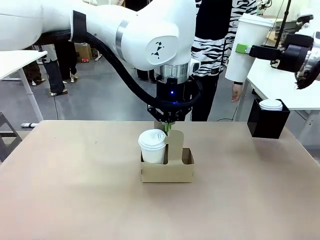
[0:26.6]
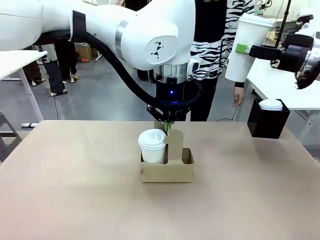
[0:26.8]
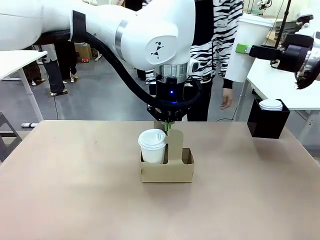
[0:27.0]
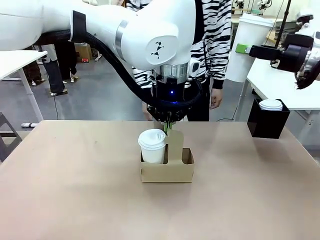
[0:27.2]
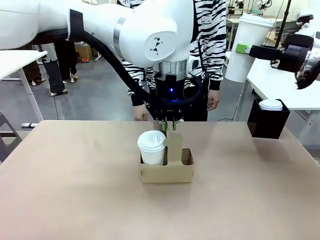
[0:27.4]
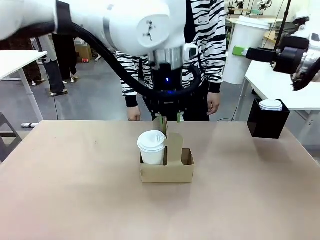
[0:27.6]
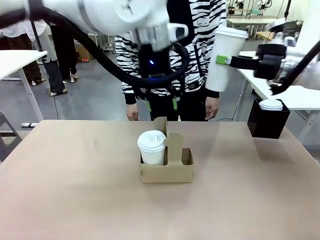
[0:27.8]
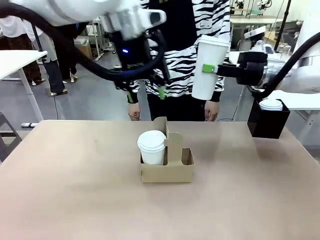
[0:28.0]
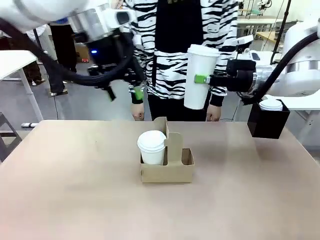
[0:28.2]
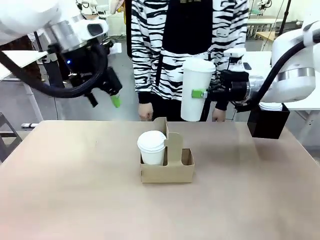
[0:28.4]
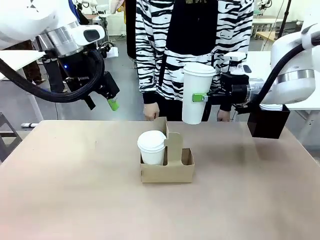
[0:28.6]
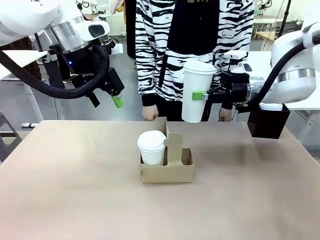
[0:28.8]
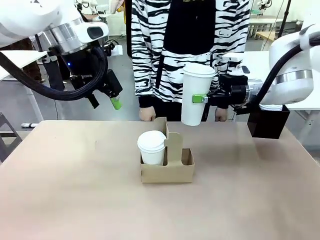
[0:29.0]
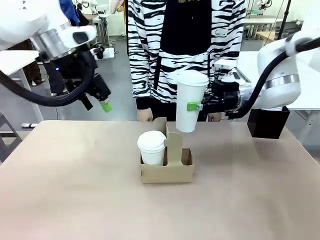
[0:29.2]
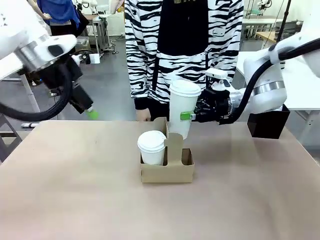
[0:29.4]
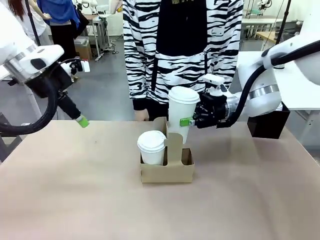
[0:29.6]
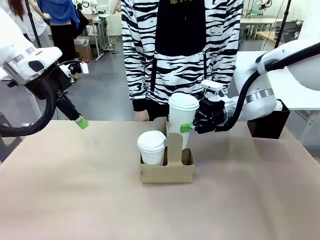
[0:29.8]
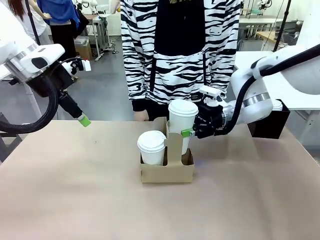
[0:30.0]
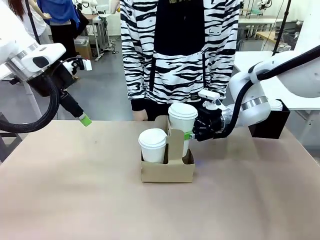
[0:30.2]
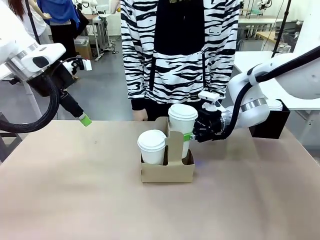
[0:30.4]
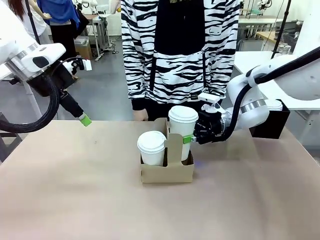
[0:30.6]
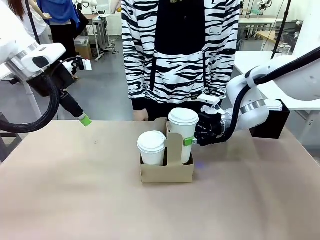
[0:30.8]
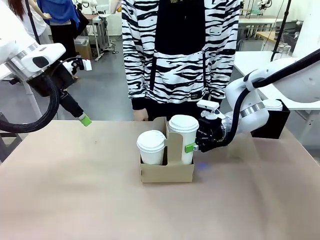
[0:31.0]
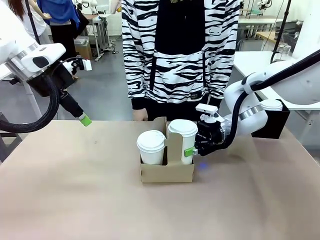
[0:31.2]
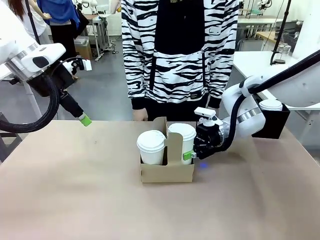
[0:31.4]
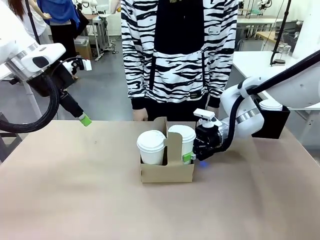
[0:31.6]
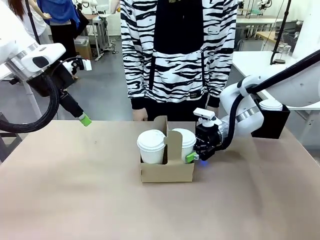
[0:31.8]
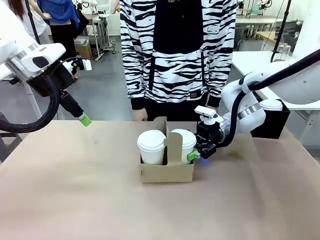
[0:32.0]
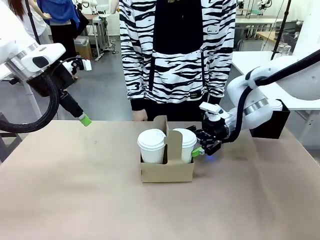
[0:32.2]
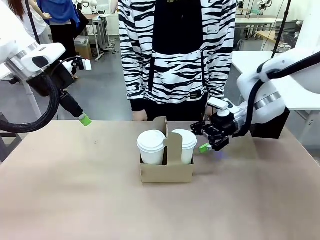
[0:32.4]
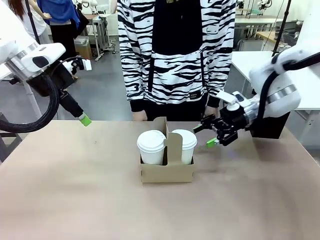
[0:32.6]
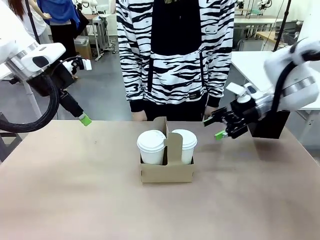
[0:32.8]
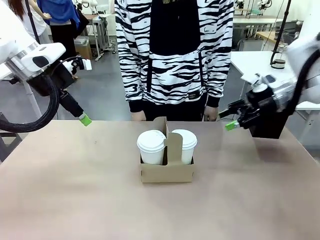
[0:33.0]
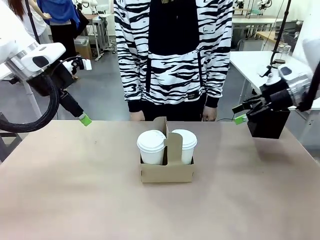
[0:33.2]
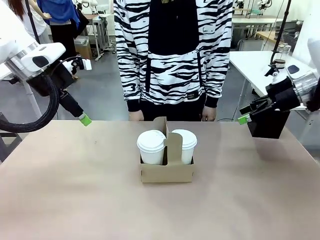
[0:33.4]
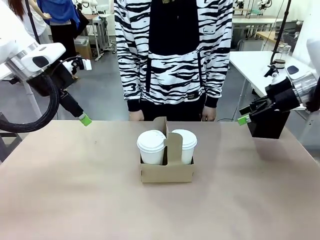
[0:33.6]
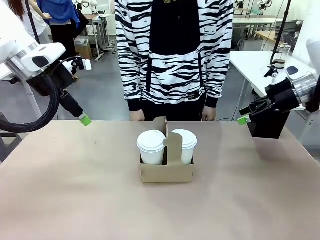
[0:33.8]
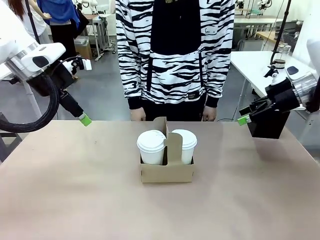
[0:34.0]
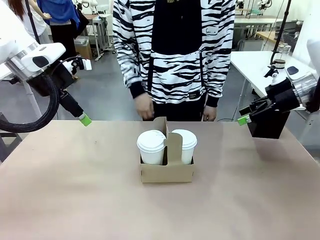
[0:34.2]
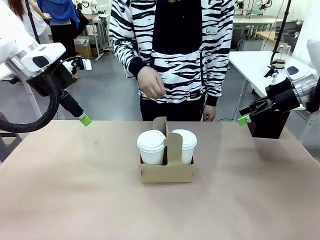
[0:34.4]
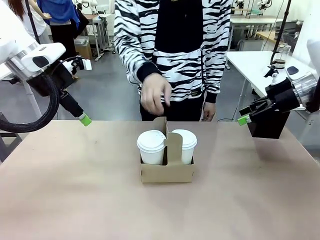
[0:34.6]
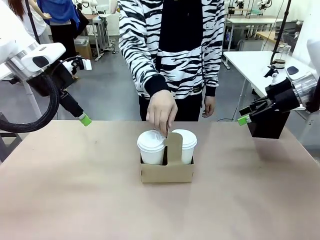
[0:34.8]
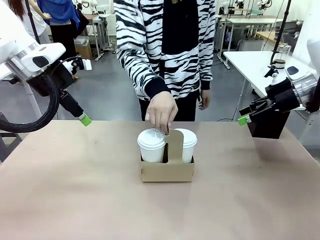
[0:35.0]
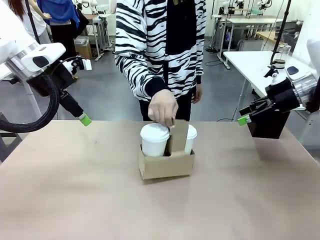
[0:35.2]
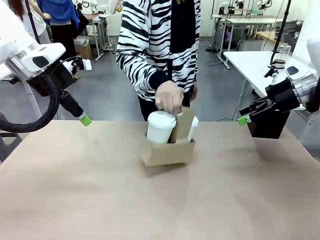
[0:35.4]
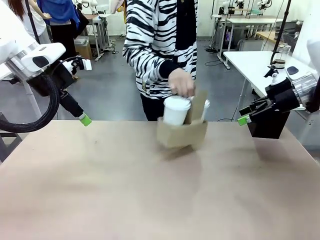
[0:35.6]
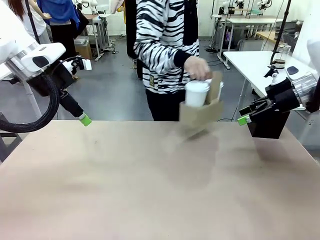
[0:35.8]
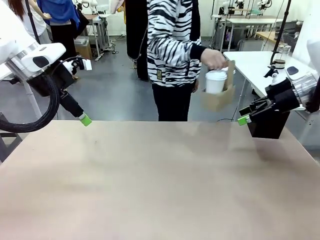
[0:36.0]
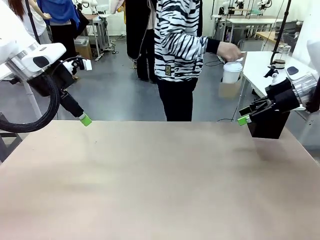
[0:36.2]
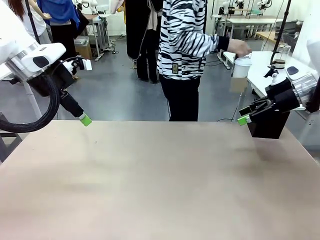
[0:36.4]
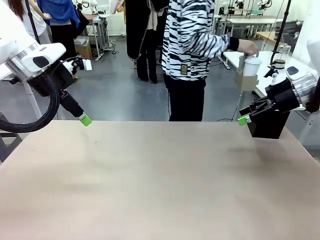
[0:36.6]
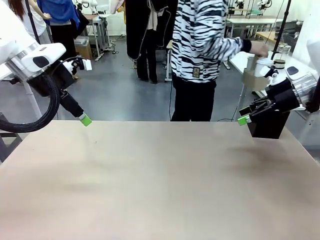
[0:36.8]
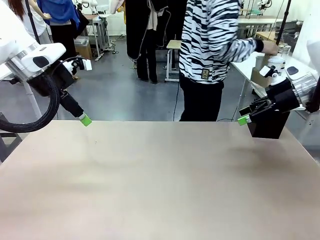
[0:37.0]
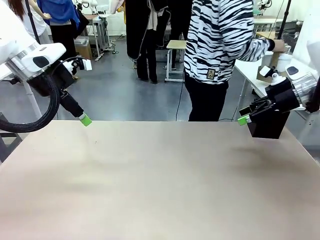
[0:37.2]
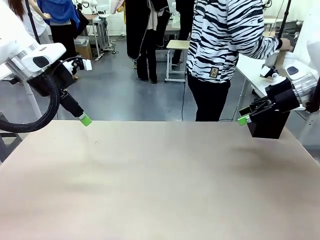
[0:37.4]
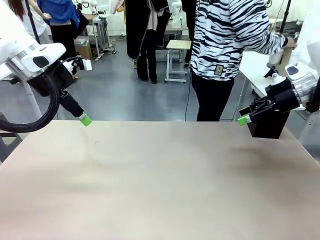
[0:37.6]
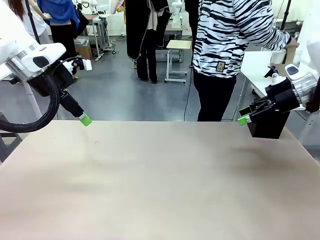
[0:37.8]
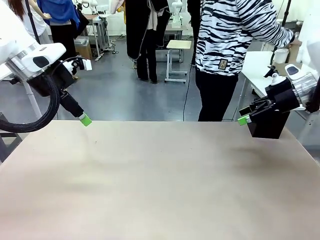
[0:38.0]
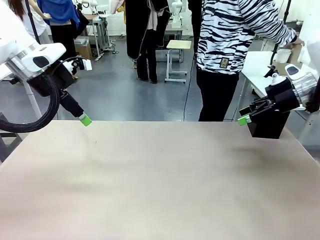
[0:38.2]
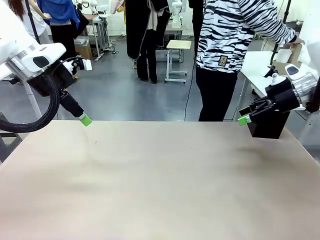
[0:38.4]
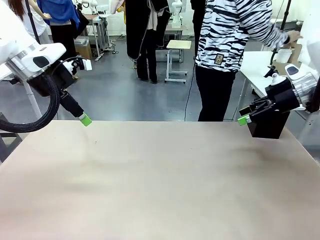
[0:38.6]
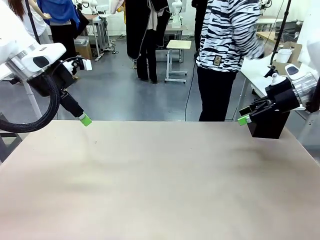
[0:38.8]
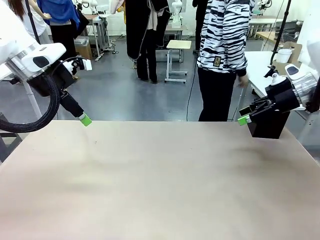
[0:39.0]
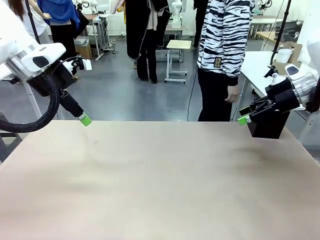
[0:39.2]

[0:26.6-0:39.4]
Task: Pour a drink into a cup and package it in a carrier.
Robot: Insert the held 600 ml Paper Cup into the Cup Carrier.
Person: Place the Cup Carrier to the middle of Human table.

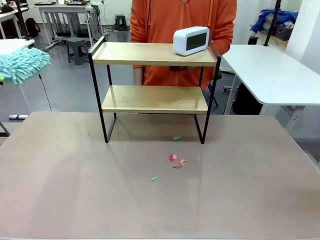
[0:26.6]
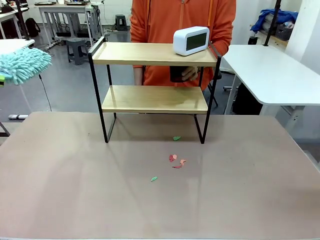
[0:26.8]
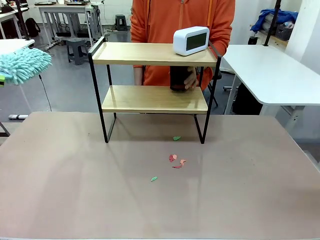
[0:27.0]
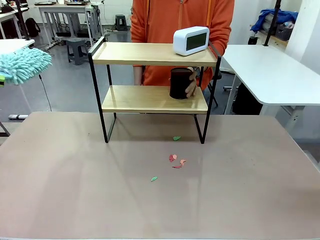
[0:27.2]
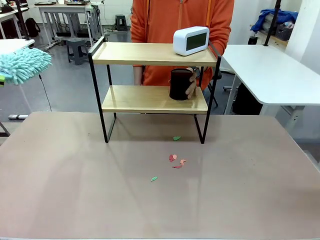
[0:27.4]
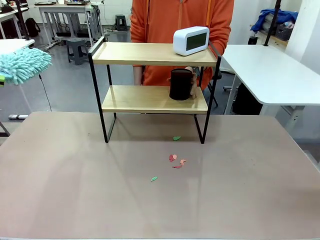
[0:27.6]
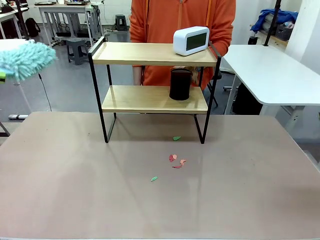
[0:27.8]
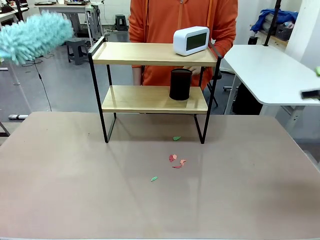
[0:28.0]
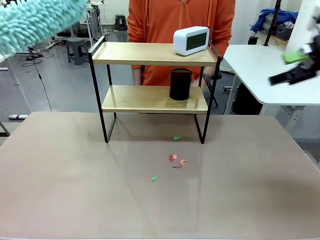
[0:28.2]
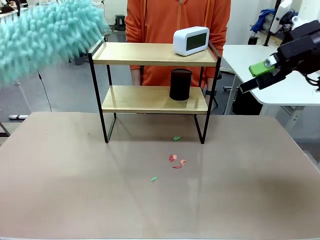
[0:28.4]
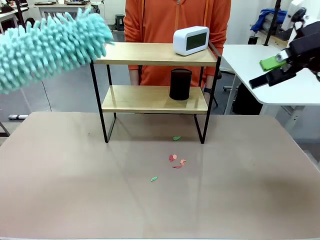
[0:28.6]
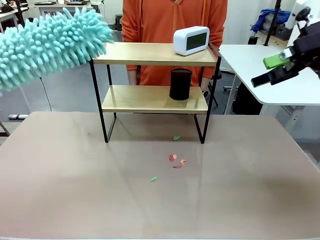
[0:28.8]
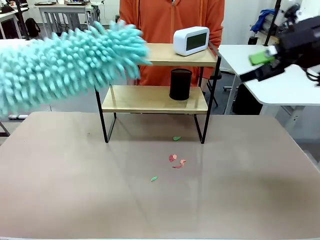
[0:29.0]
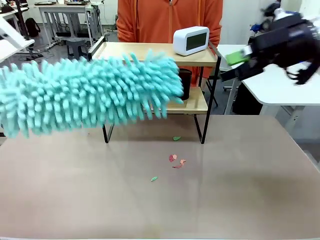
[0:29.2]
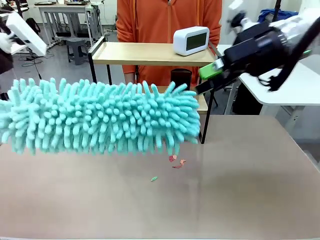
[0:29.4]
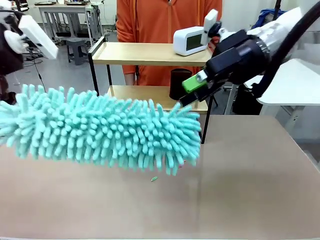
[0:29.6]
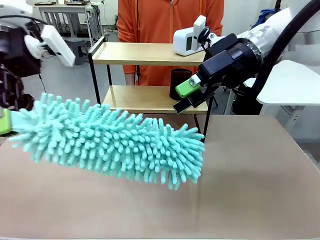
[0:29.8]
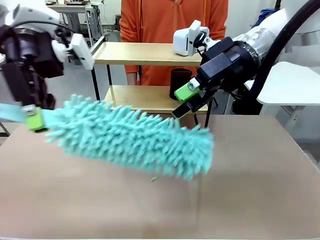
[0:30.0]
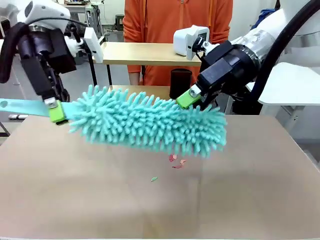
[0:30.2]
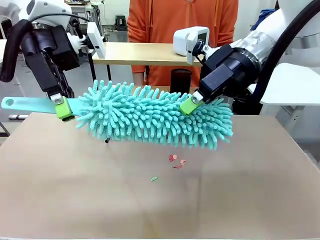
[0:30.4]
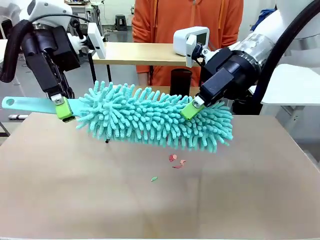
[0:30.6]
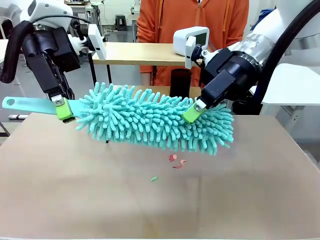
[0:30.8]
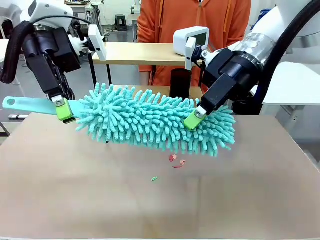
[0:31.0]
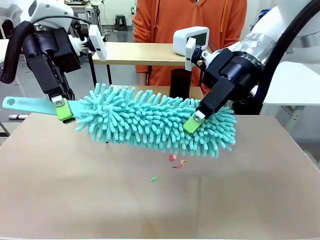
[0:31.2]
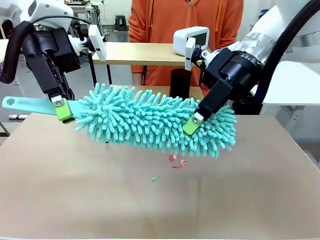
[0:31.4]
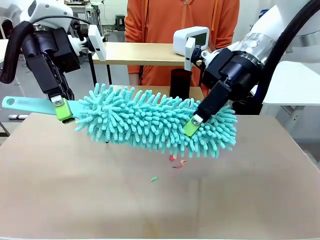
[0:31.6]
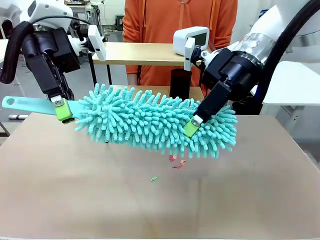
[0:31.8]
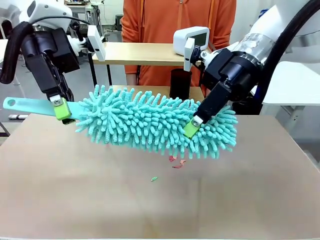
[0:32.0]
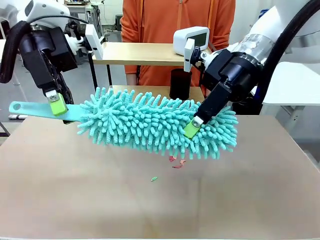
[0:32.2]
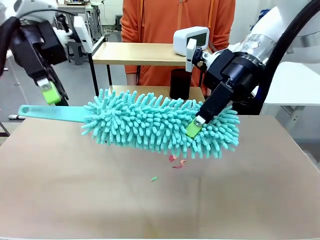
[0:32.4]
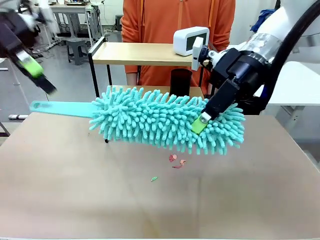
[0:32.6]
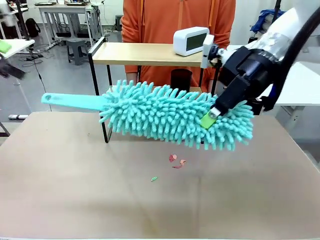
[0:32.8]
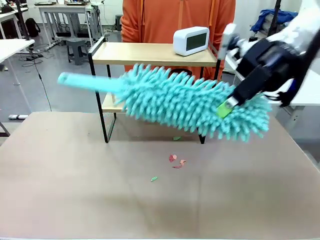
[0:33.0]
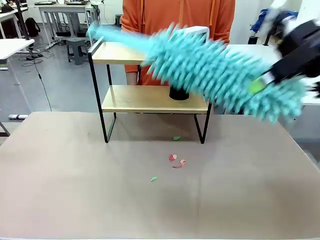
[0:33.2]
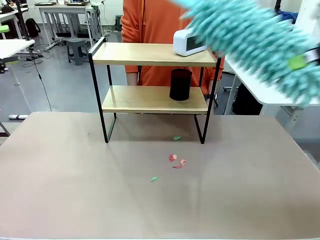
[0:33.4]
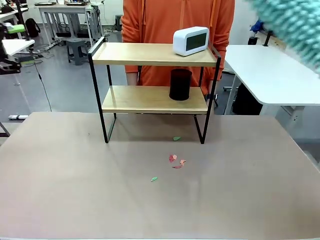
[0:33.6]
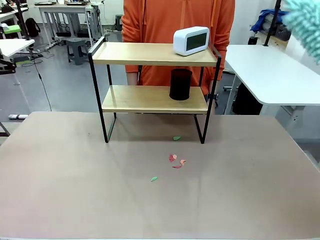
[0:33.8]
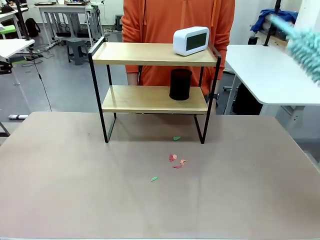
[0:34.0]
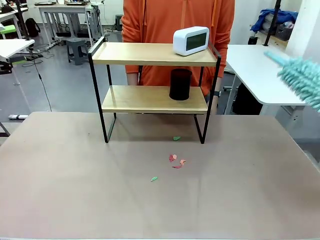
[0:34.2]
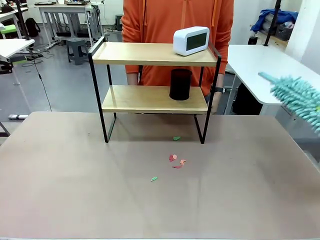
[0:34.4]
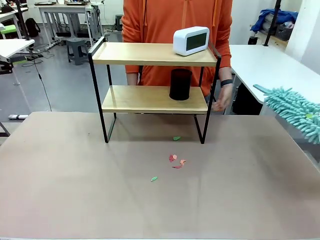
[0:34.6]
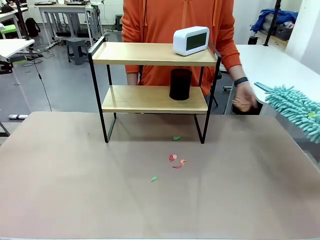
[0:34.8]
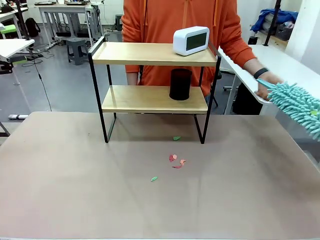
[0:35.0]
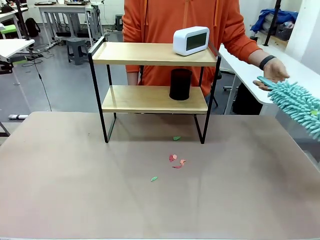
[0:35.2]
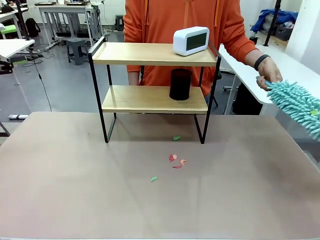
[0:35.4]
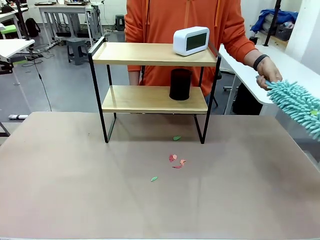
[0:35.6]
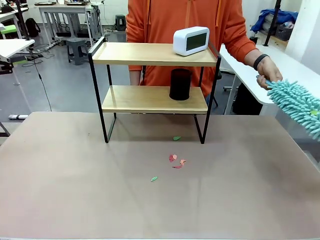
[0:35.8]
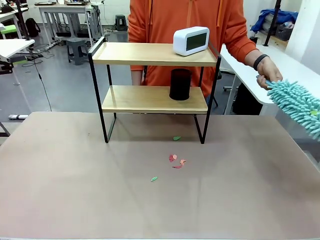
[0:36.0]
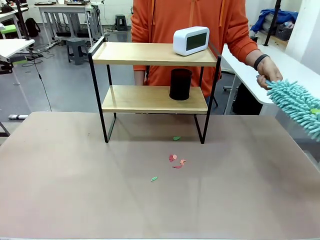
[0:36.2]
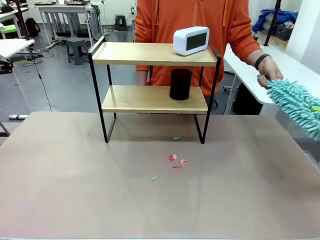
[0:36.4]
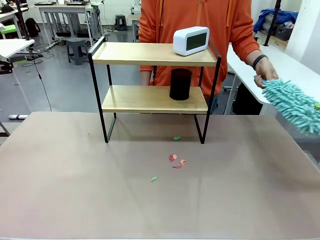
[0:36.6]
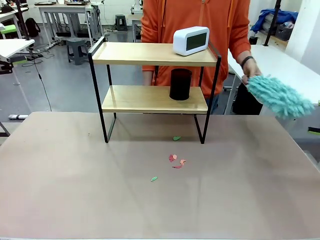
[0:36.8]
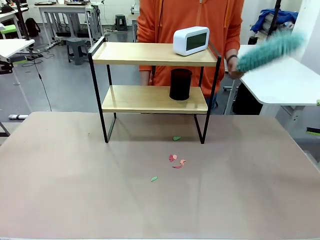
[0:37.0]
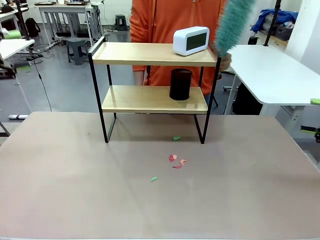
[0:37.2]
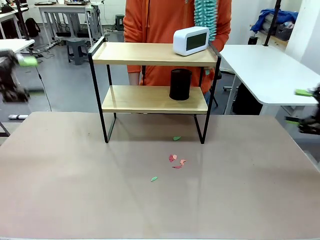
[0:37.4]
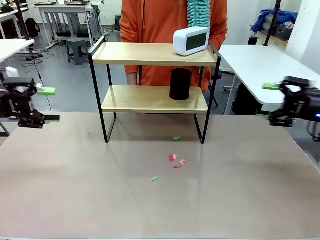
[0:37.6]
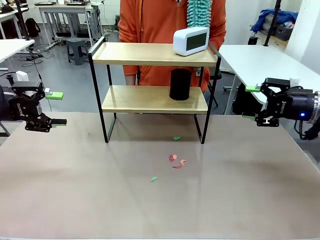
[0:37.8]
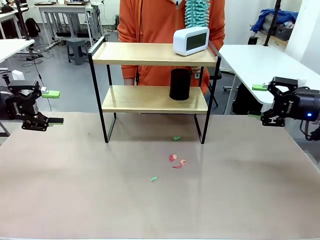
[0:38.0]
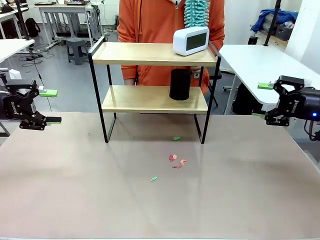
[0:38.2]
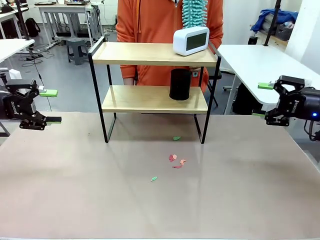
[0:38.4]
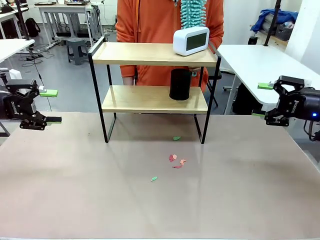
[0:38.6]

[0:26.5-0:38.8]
Task: Clean the shelf.
Robot: Hand the Duster back to the human.
Person: Receive the Duster from the robot.
